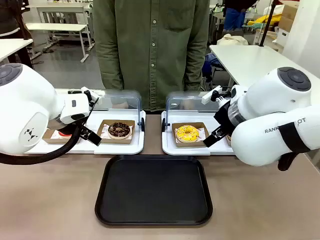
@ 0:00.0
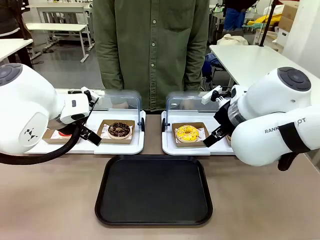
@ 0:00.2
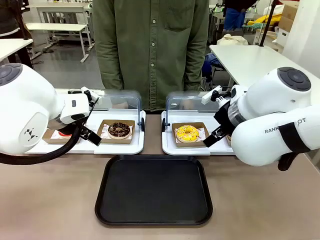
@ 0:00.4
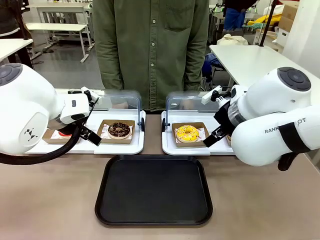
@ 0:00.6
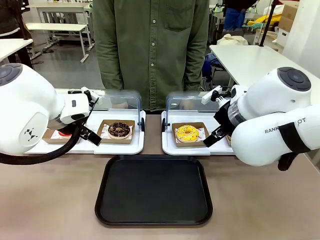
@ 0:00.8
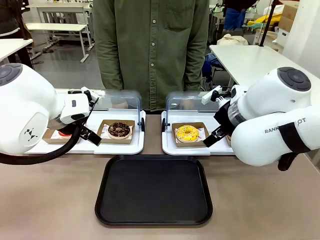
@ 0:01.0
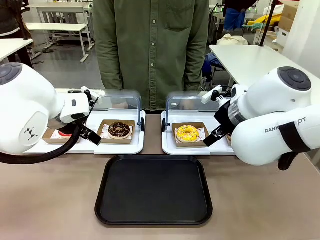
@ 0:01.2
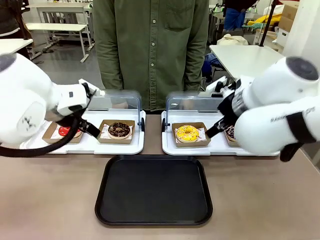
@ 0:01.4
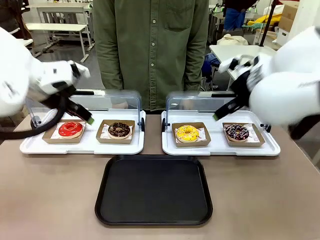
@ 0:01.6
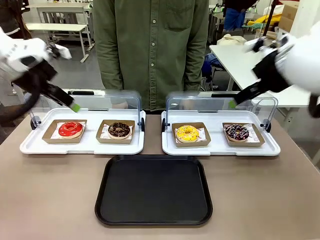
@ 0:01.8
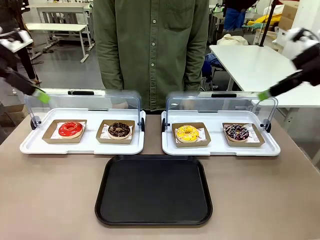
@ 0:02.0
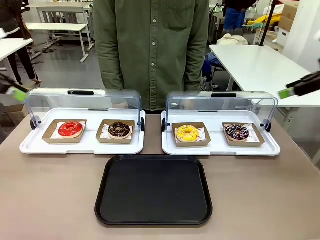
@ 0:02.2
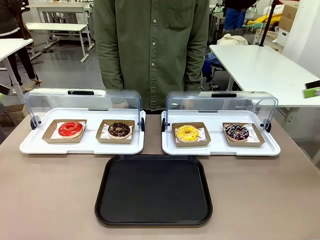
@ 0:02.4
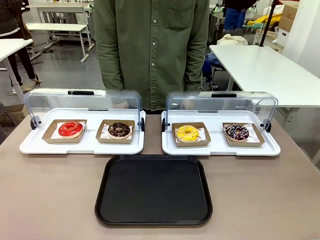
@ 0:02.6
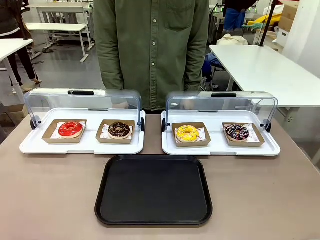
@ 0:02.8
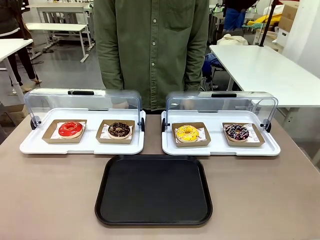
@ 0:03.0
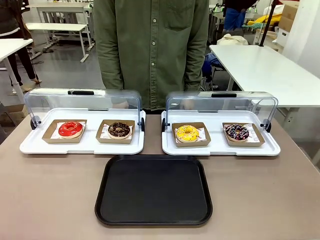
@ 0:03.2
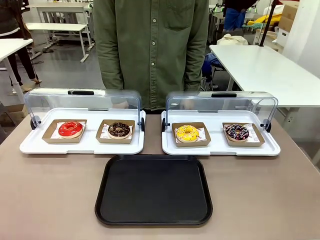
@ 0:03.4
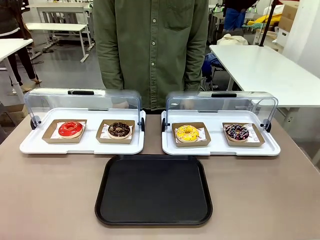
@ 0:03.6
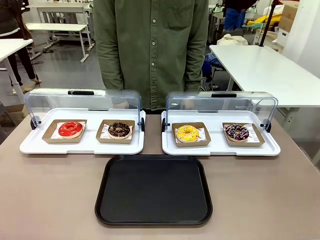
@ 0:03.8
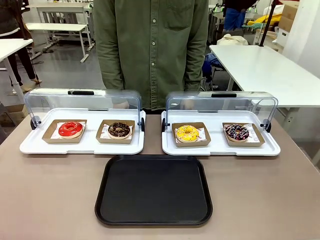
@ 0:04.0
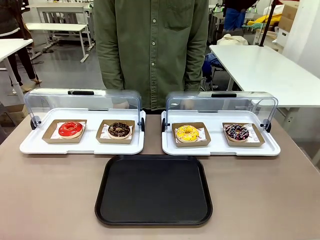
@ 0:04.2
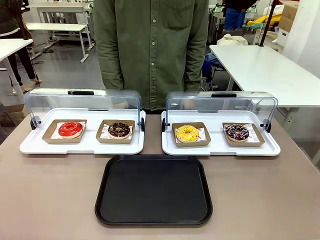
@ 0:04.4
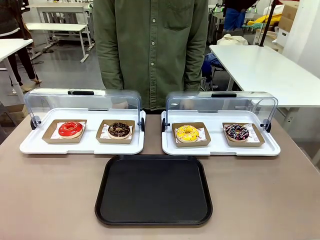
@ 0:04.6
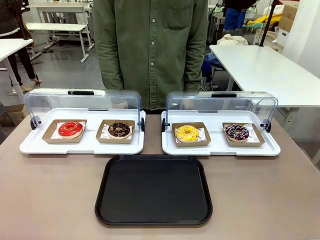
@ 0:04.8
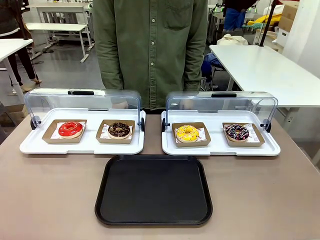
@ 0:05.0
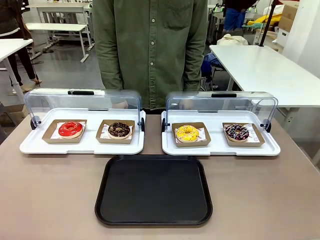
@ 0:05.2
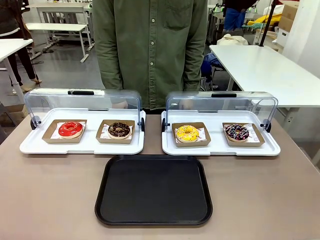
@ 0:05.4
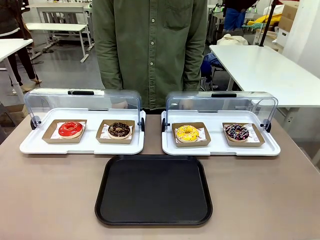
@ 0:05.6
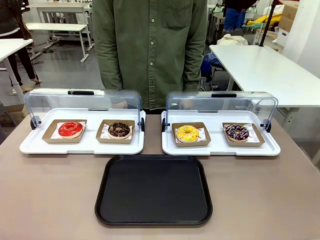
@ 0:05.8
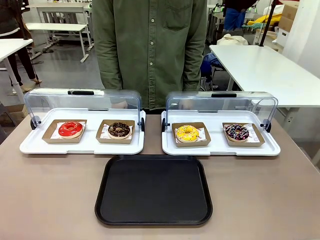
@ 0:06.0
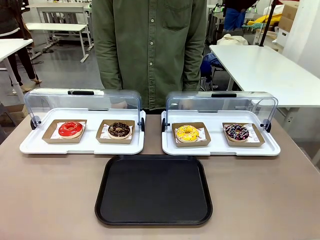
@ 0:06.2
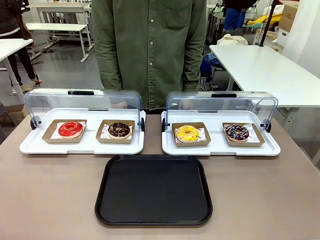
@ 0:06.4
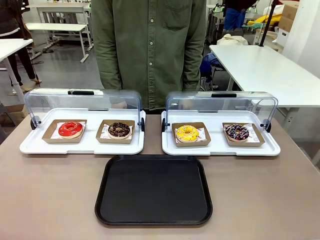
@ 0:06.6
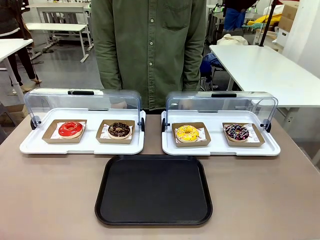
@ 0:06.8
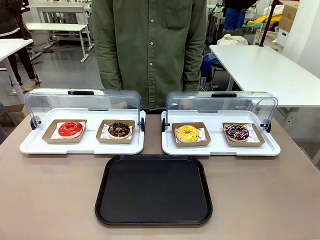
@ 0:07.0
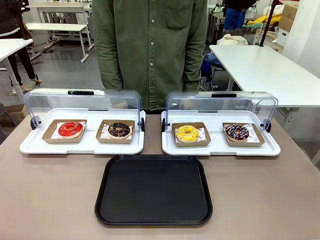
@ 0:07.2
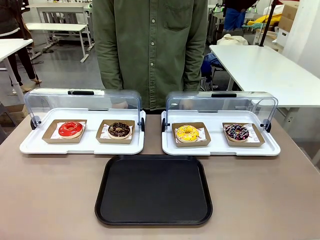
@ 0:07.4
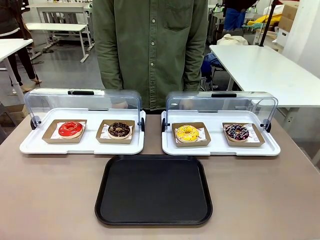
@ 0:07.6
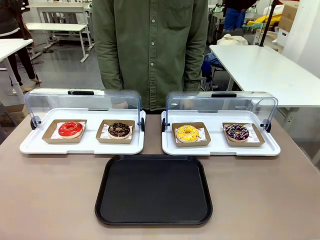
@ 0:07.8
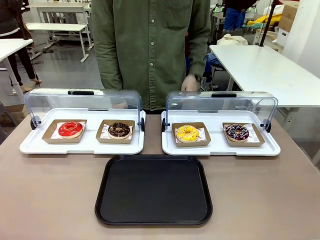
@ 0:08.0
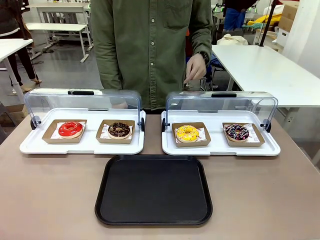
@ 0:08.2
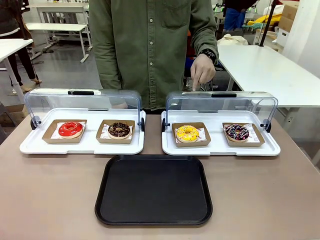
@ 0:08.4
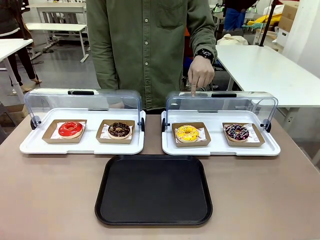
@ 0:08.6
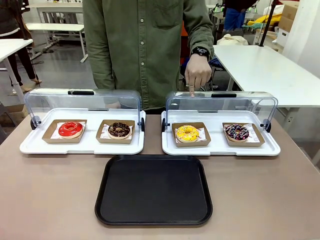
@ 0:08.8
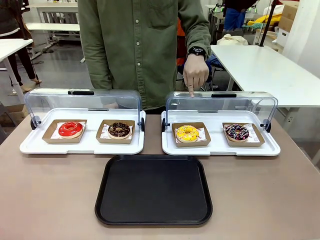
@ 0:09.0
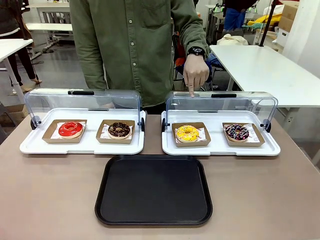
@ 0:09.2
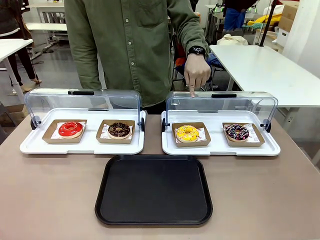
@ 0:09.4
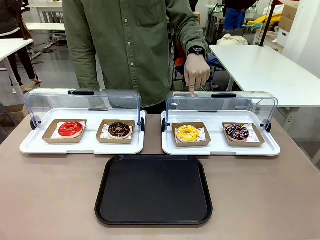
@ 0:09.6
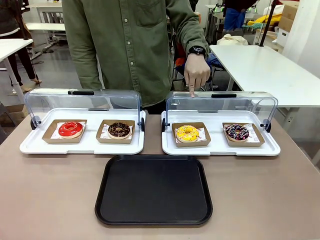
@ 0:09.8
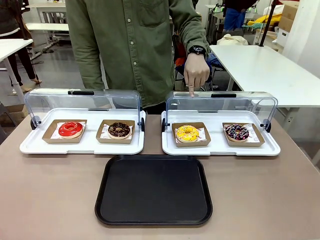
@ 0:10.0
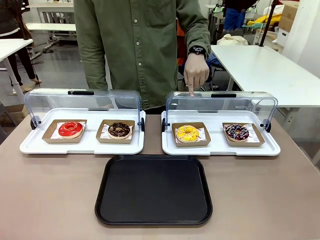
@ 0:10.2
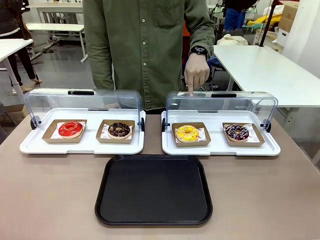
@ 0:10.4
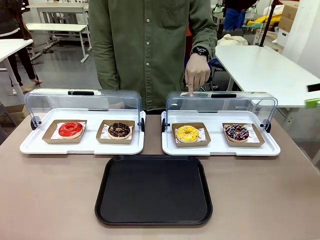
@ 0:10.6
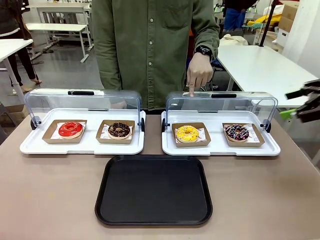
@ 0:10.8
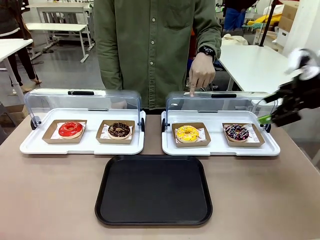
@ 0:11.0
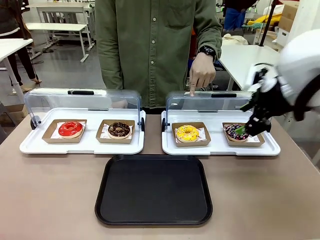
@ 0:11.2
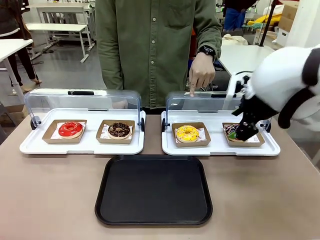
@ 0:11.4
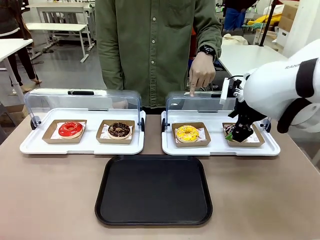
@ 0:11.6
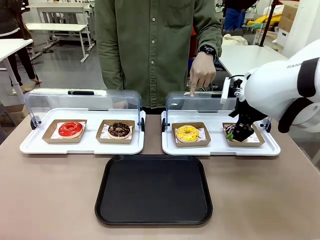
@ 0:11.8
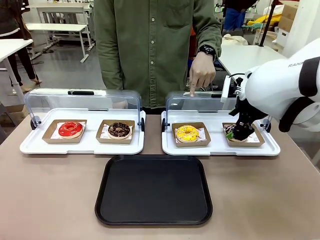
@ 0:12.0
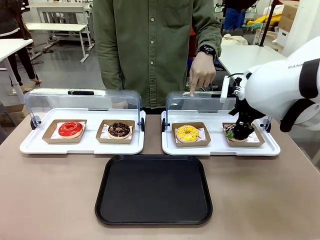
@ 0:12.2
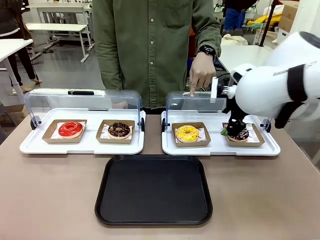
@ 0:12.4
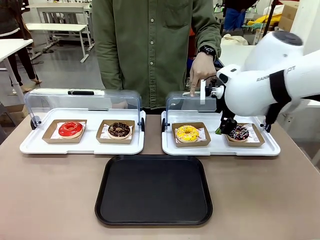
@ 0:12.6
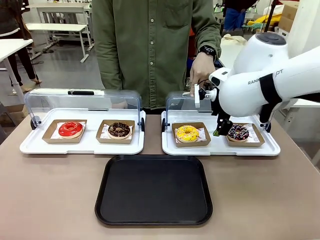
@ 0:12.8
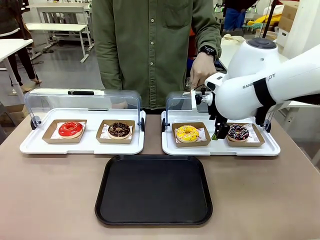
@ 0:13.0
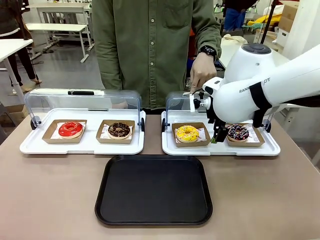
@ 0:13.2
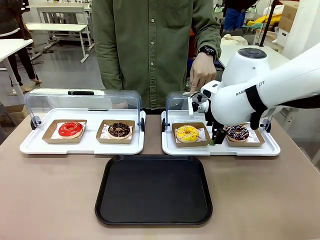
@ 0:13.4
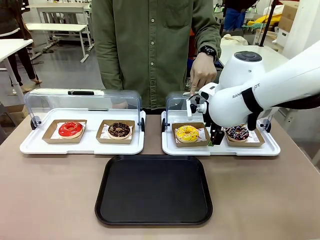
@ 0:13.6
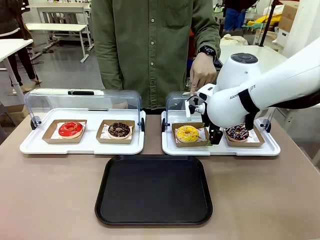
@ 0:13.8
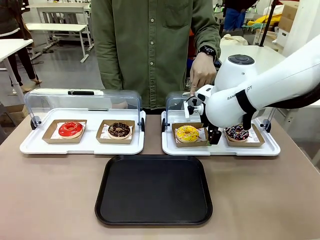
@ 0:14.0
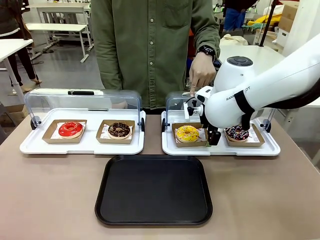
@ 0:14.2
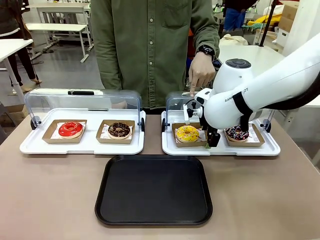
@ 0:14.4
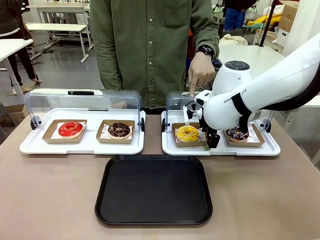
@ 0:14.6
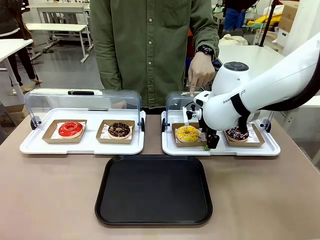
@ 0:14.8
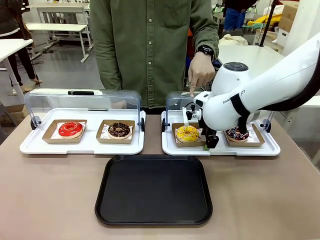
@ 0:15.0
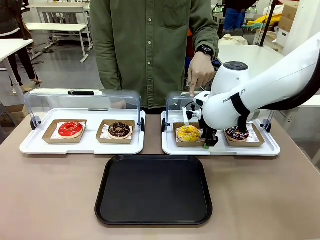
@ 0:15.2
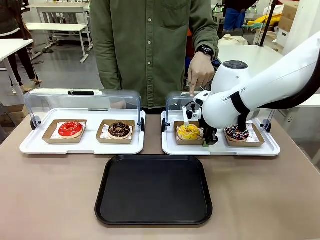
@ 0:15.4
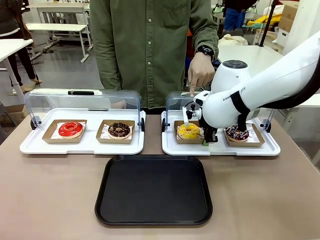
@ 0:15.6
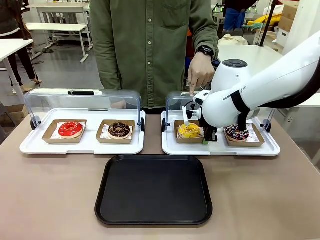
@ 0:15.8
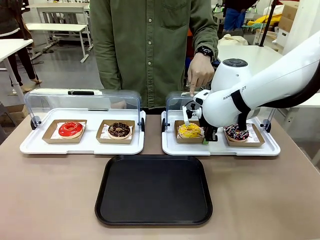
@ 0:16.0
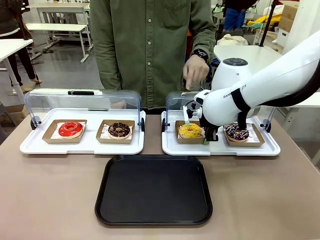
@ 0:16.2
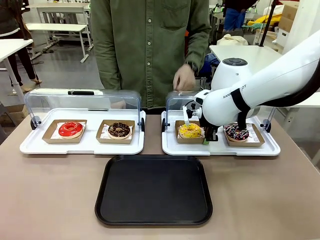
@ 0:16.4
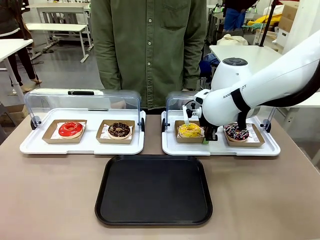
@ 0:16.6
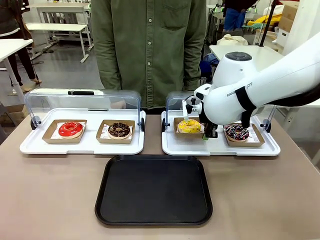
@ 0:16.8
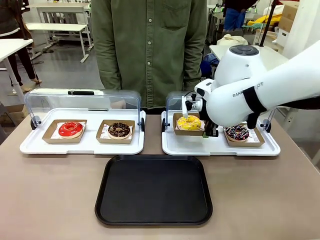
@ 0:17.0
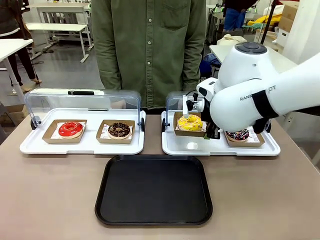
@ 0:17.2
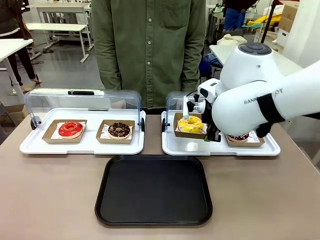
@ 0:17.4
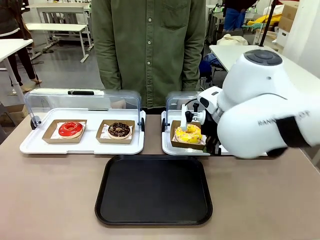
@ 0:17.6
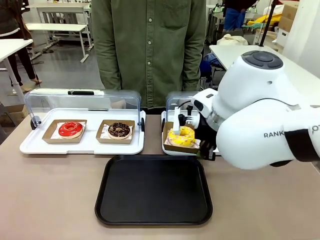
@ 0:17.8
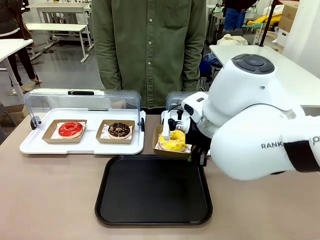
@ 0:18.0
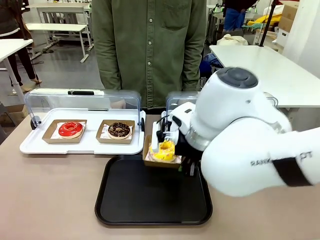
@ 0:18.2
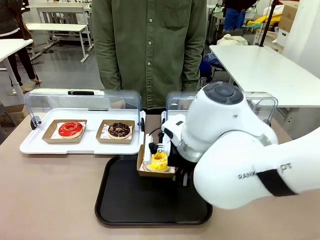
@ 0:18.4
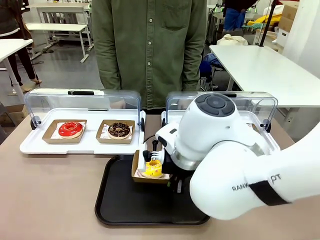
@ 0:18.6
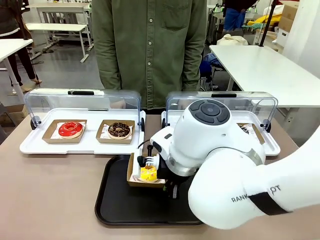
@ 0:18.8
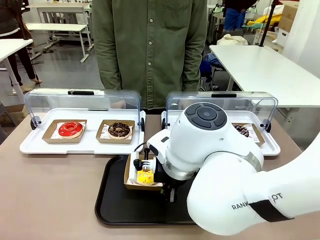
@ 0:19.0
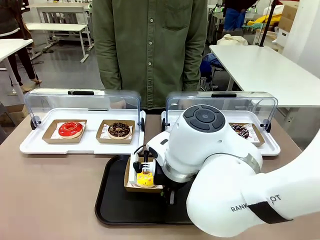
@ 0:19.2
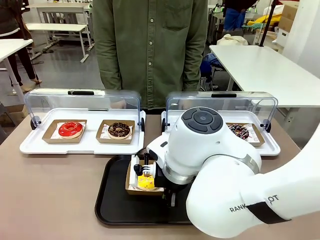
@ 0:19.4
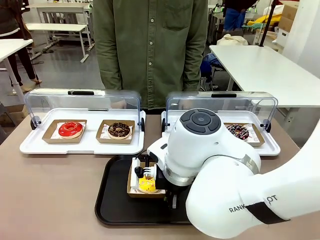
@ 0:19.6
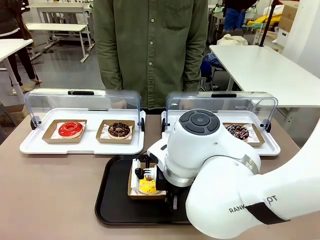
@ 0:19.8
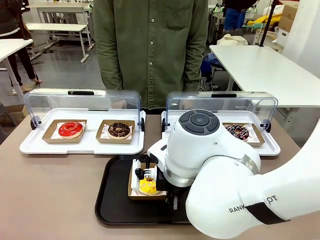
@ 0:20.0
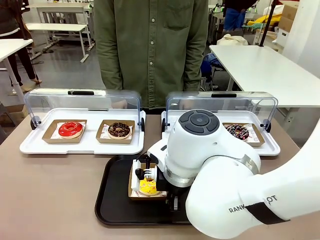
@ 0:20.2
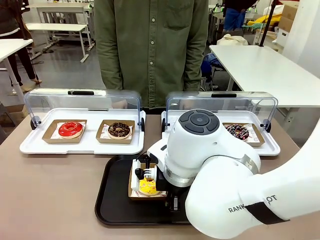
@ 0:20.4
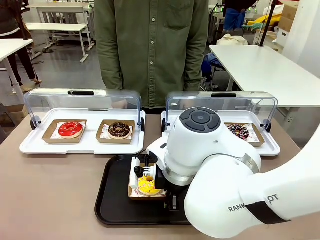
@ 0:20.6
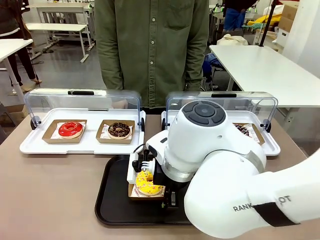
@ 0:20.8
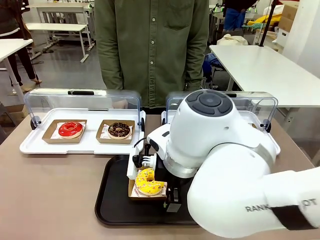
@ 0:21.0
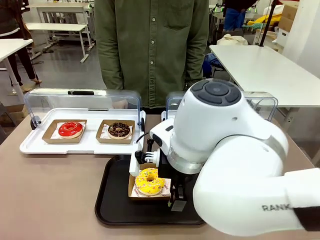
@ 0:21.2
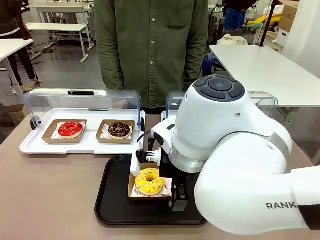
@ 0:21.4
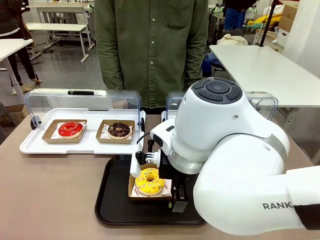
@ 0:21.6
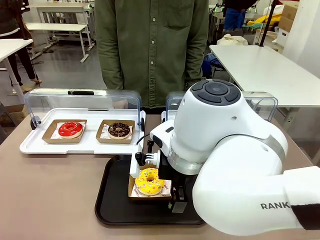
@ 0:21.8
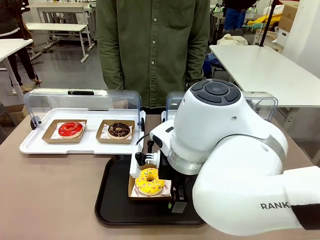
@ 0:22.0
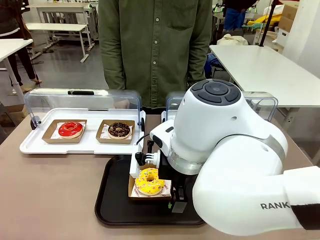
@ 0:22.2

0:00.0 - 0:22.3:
Task: Move the third donut from the left to the tray.
Robot: Pick up the Paper togo box containing the Donut indicated by the person and place it on the Handle tray.
Person: Points to the third donut from the left from the robot’s perspective.
